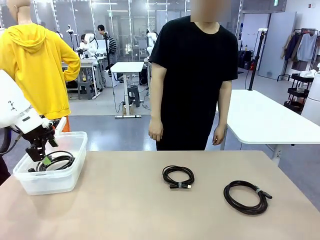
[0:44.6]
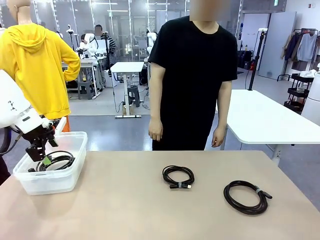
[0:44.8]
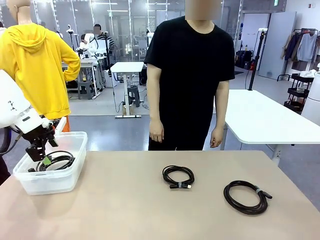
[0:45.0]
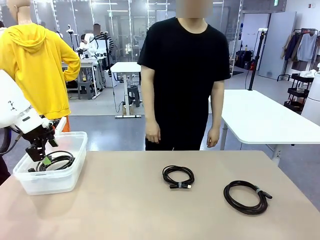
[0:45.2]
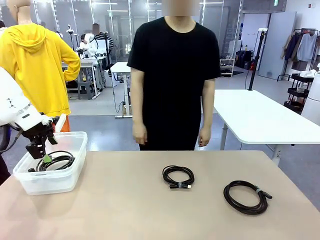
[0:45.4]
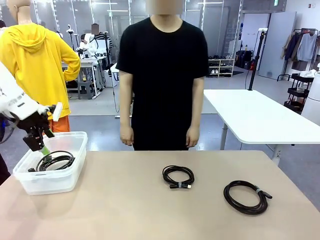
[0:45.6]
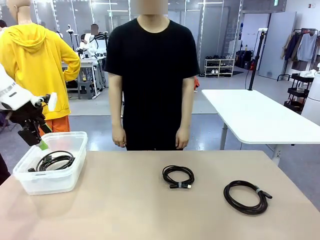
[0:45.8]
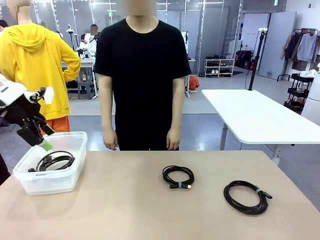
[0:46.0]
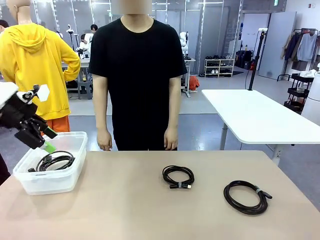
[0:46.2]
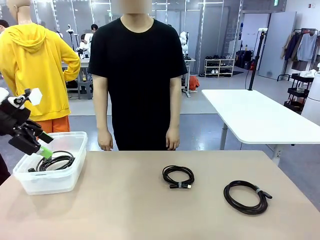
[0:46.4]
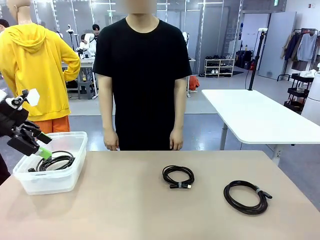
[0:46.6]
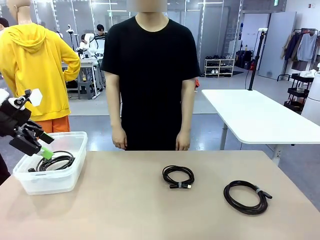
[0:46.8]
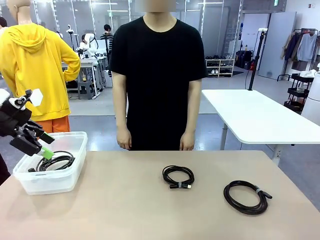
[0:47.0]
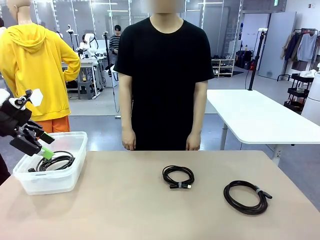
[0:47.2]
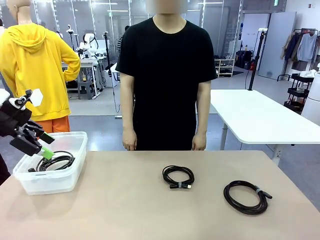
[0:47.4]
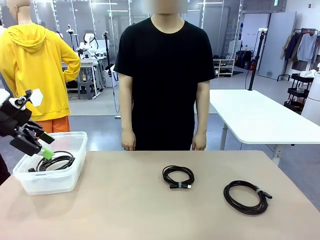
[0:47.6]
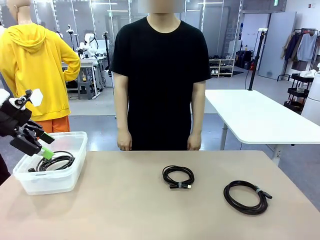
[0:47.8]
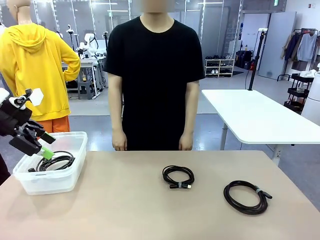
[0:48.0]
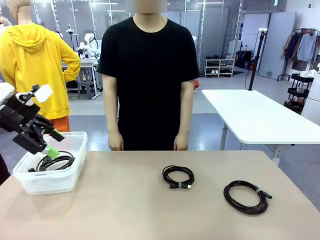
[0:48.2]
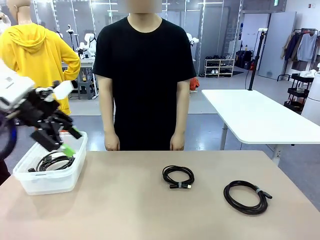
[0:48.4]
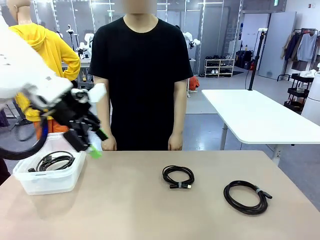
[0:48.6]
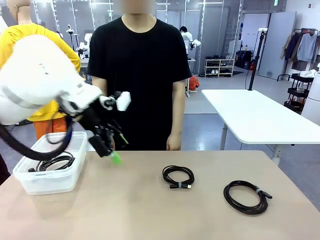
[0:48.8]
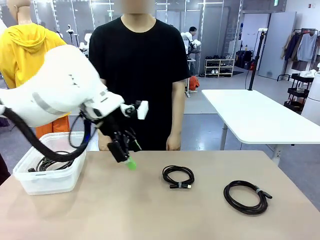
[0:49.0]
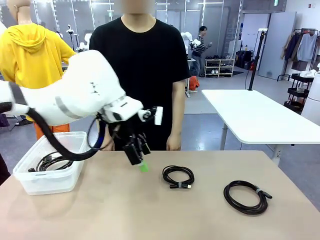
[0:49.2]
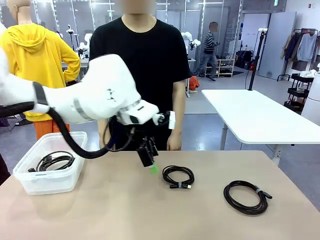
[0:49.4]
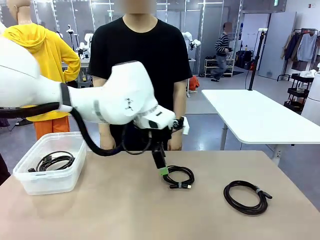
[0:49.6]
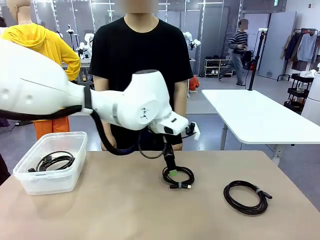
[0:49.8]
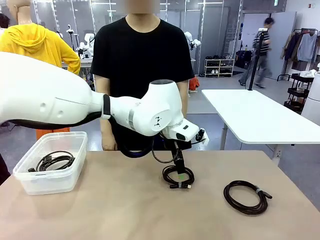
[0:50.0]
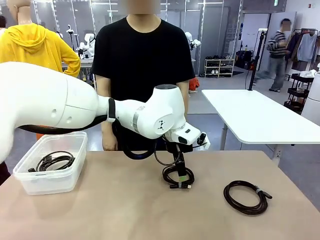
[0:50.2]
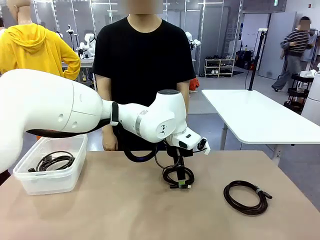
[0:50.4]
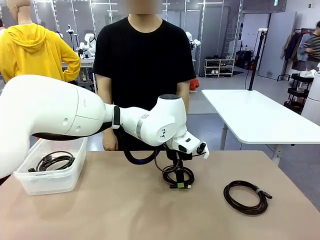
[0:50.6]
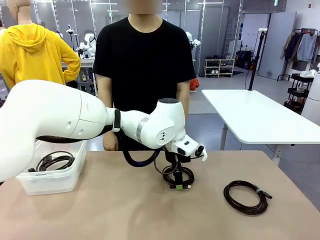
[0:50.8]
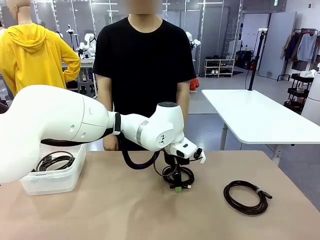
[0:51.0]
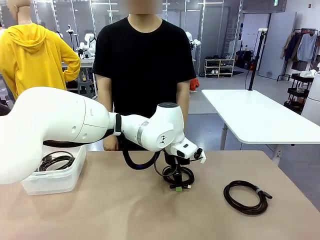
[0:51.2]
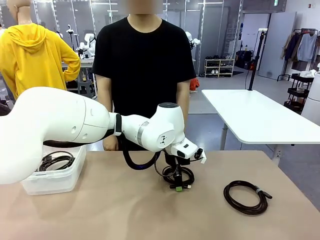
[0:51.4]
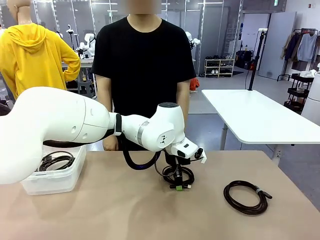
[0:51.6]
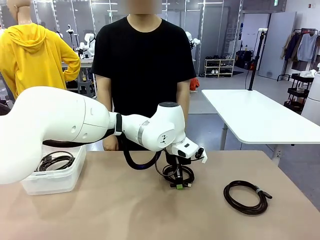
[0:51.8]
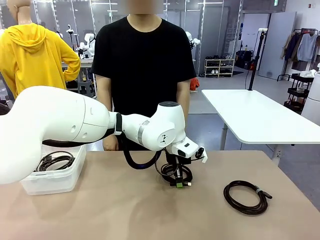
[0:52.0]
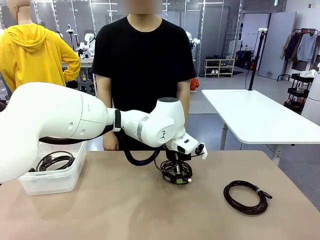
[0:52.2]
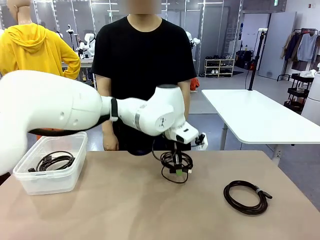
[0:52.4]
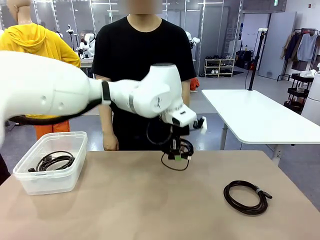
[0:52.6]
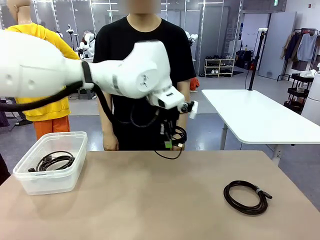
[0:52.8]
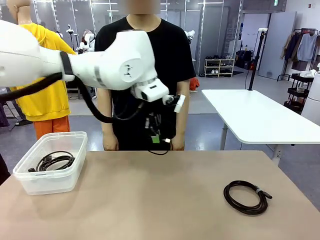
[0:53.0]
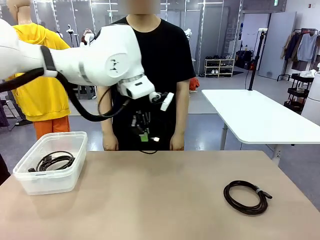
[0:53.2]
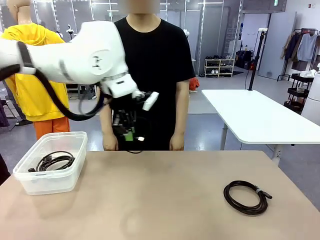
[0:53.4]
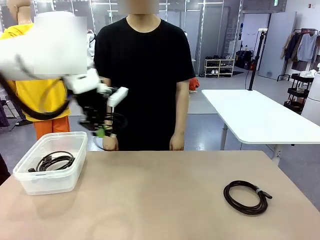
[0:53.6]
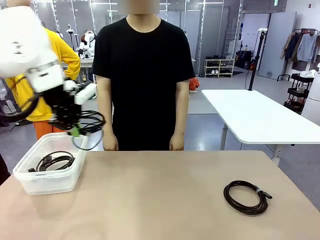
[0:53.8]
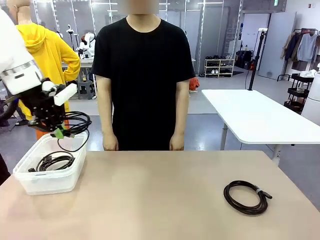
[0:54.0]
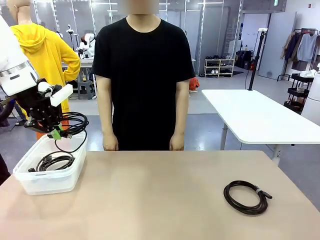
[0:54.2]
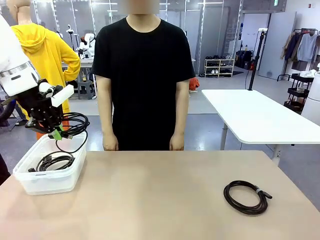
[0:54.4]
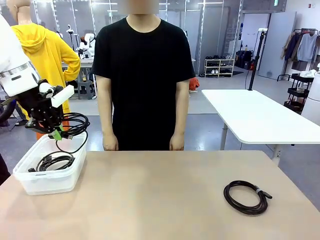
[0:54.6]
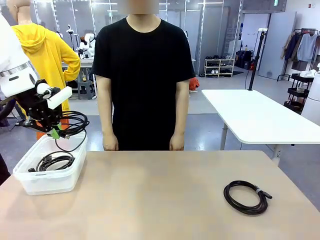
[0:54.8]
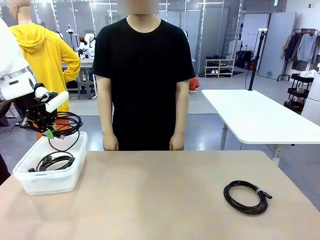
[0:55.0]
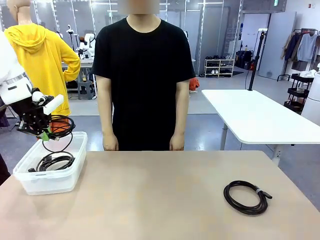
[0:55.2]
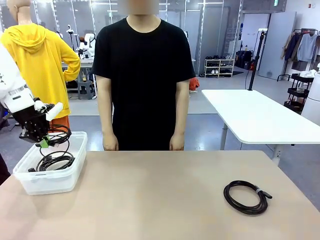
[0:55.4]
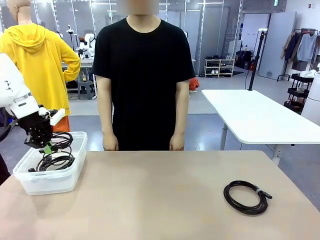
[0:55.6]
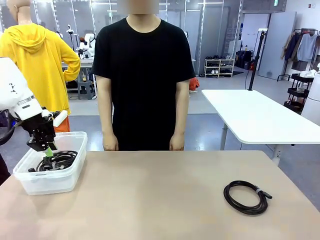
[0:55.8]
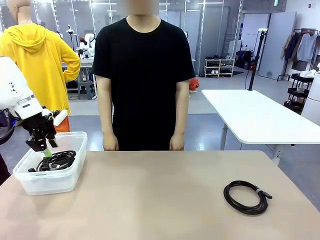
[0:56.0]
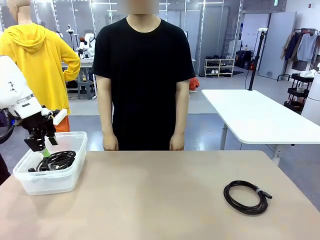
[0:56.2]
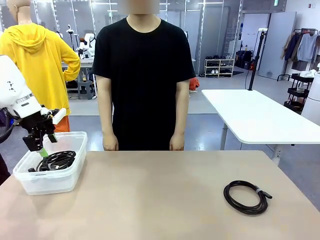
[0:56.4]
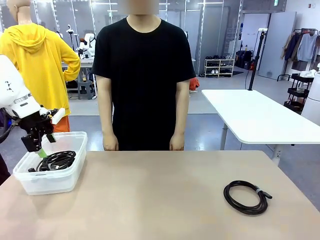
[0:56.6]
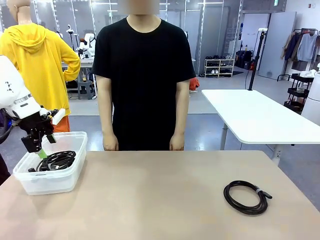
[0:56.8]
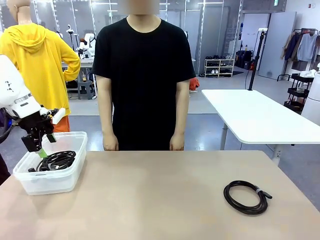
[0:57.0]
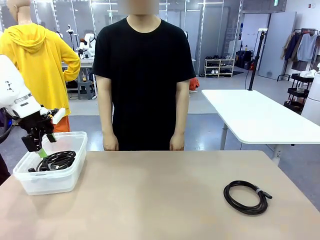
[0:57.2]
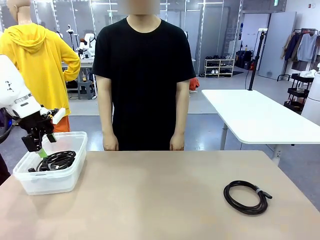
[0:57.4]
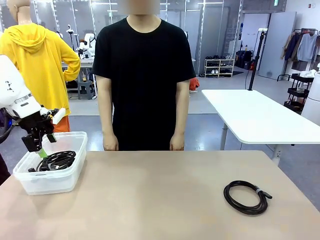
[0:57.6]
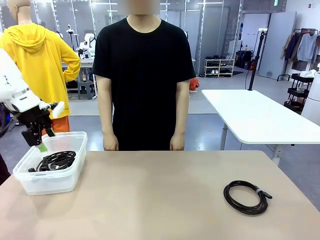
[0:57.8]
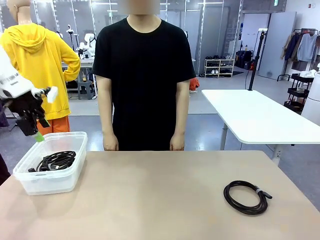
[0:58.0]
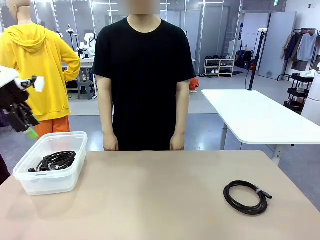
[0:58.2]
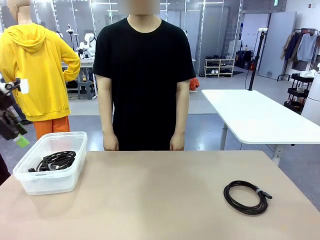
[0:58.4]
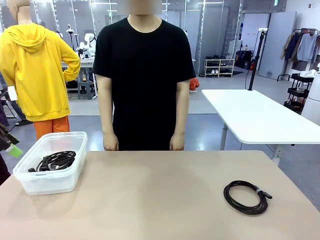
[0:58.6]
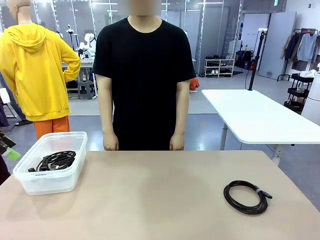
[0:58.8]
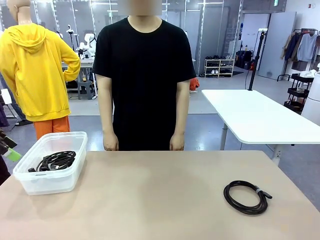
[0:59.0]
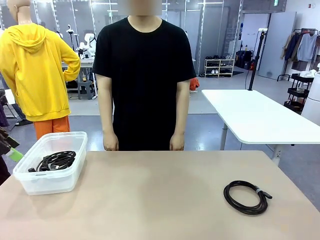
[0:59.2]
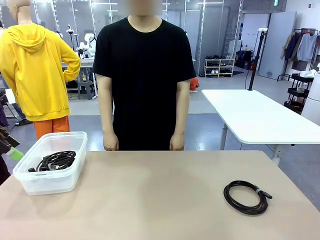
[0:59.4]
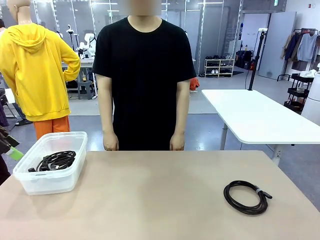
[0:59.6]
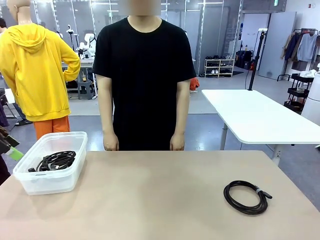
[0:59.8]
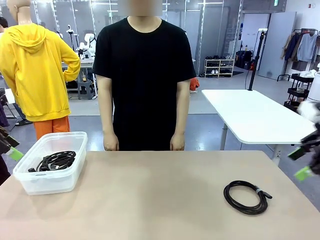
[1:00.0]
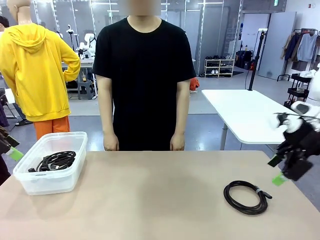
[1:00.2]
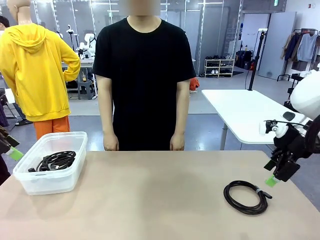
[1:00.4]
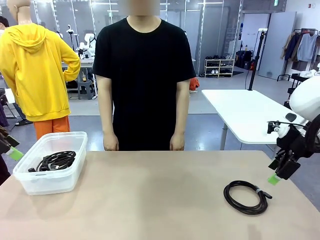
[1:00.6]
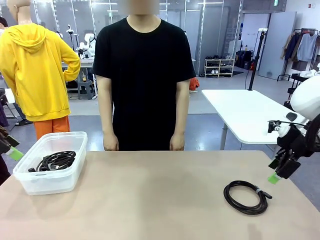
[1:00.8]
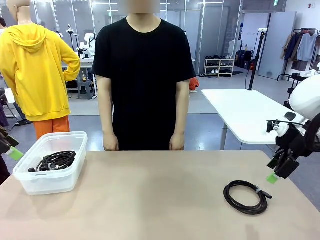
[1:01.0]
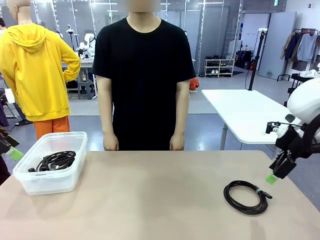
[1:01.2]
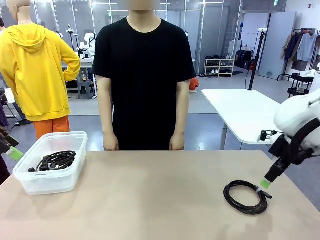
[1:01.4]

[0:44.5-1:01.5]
Task: Organize and store the cables.
Robot: Place the USB Extension Cable into the Organizing box.
